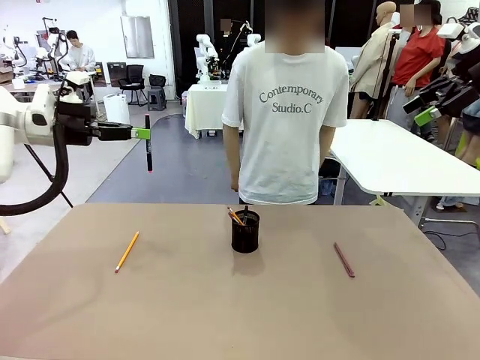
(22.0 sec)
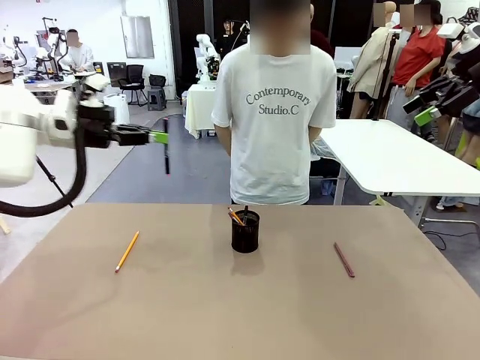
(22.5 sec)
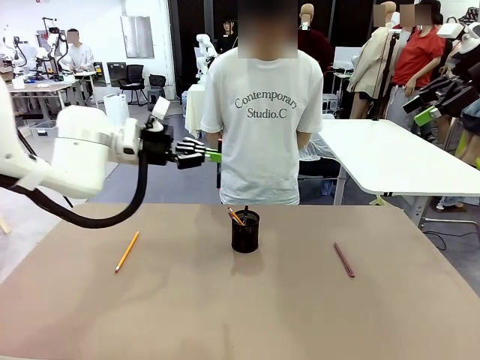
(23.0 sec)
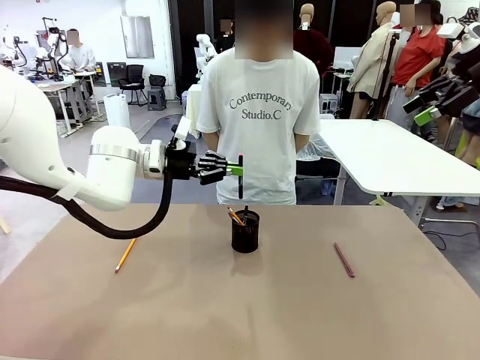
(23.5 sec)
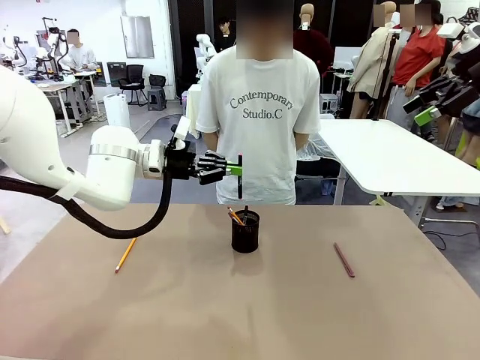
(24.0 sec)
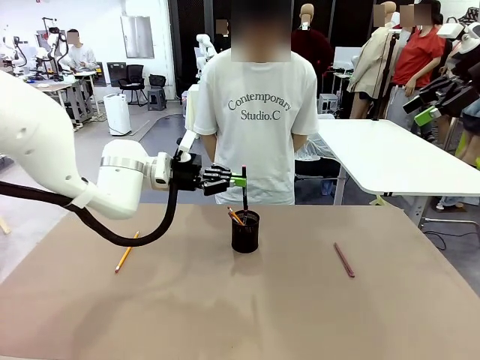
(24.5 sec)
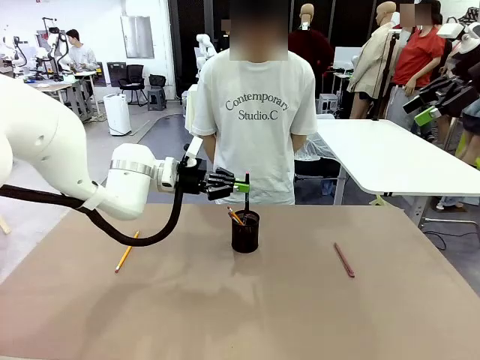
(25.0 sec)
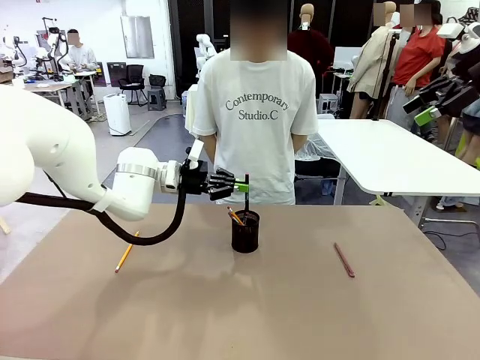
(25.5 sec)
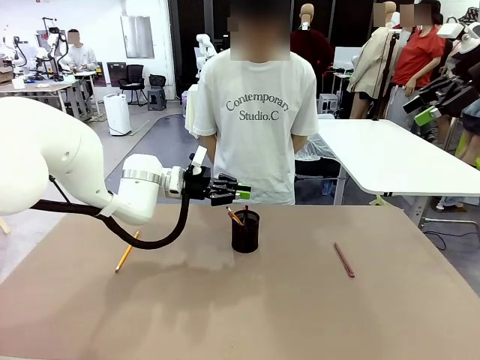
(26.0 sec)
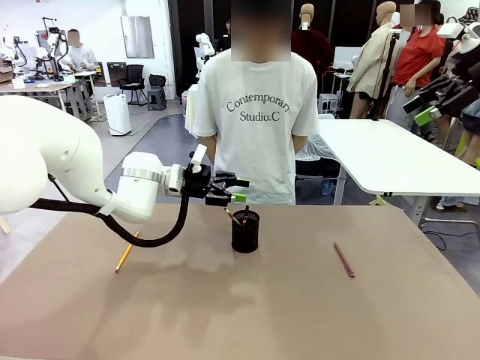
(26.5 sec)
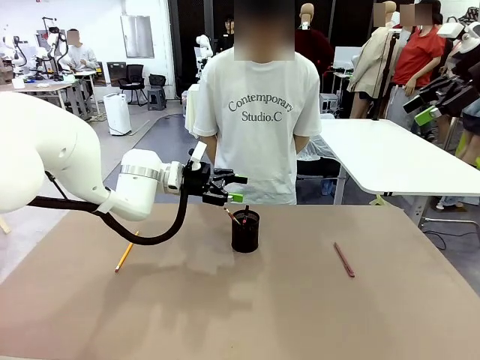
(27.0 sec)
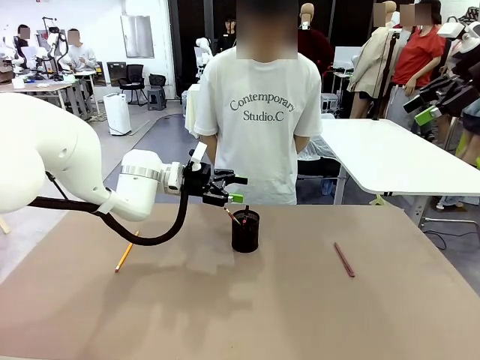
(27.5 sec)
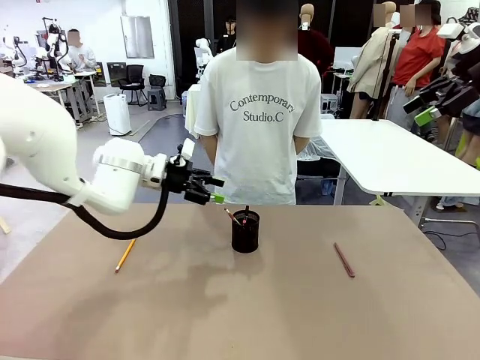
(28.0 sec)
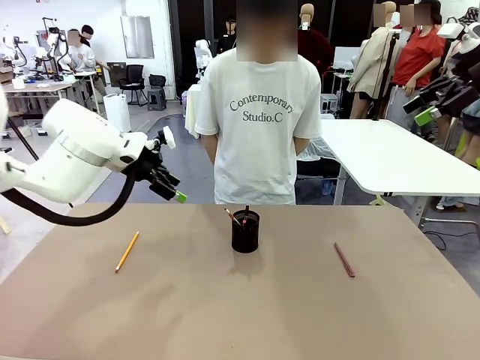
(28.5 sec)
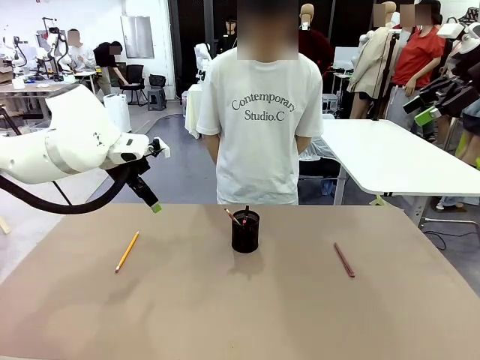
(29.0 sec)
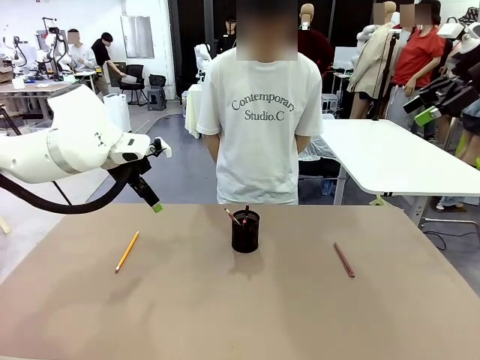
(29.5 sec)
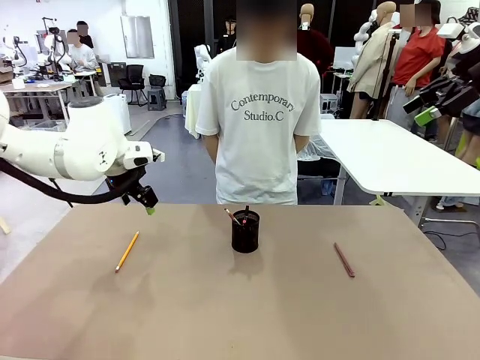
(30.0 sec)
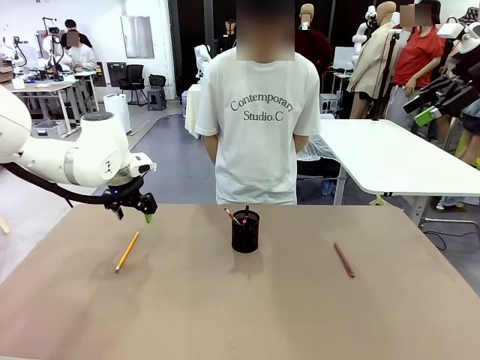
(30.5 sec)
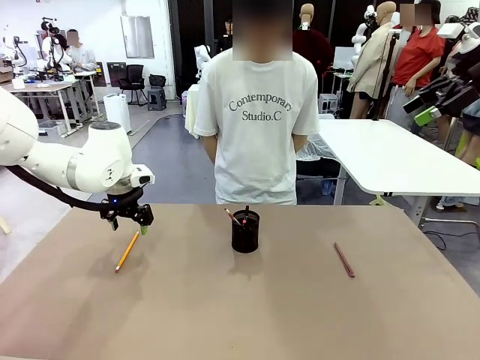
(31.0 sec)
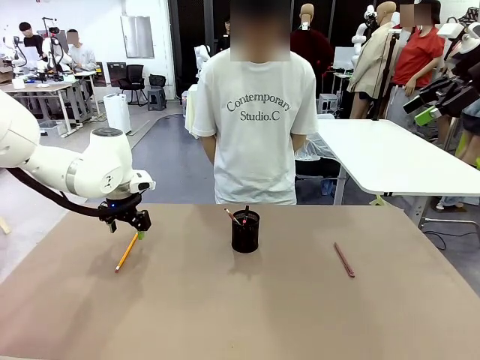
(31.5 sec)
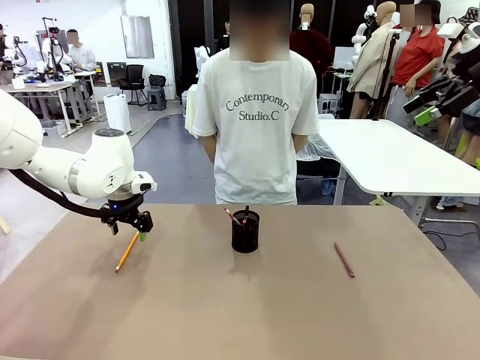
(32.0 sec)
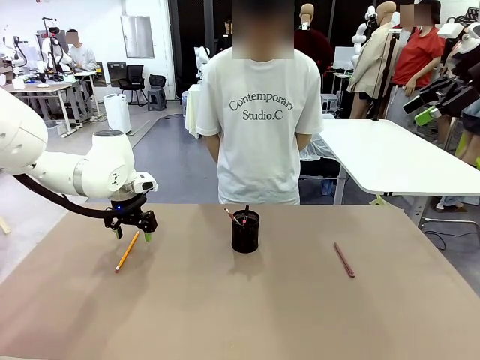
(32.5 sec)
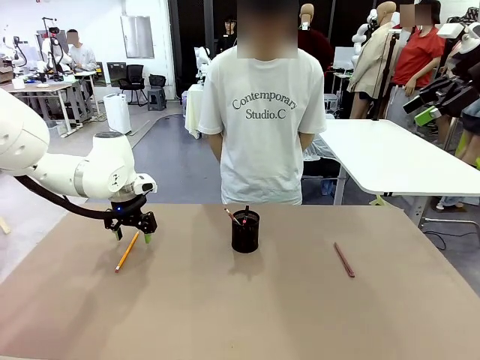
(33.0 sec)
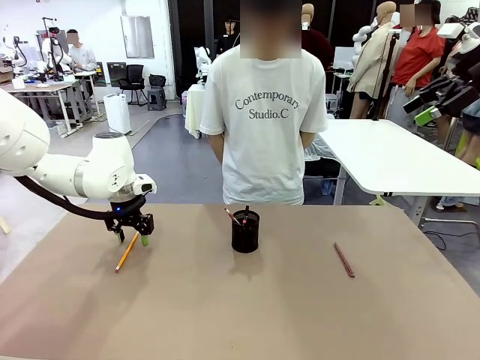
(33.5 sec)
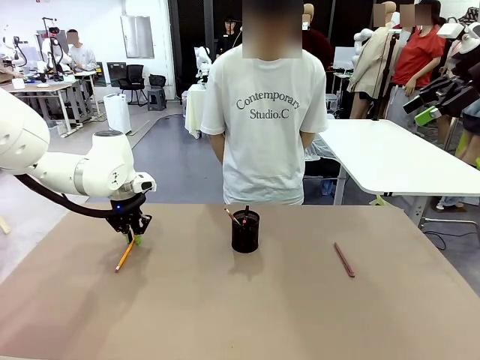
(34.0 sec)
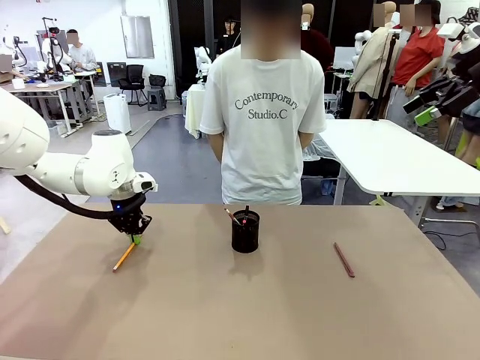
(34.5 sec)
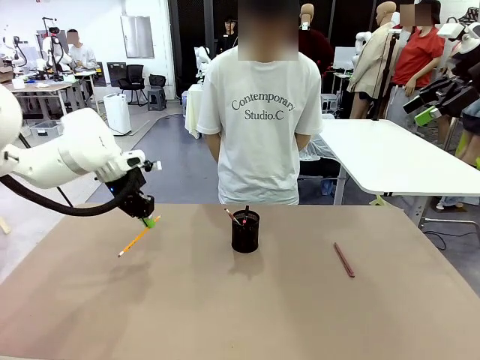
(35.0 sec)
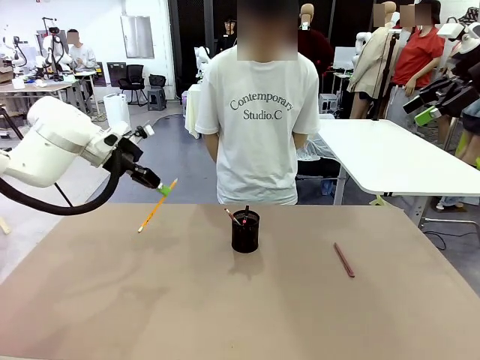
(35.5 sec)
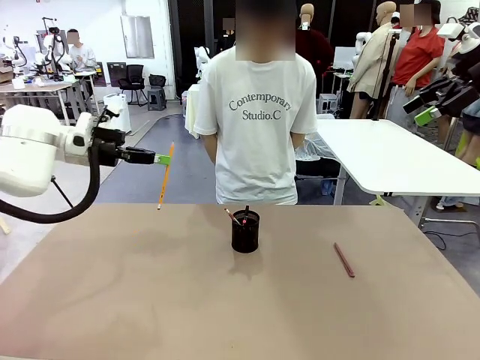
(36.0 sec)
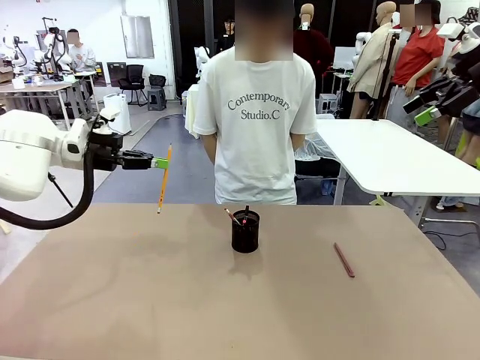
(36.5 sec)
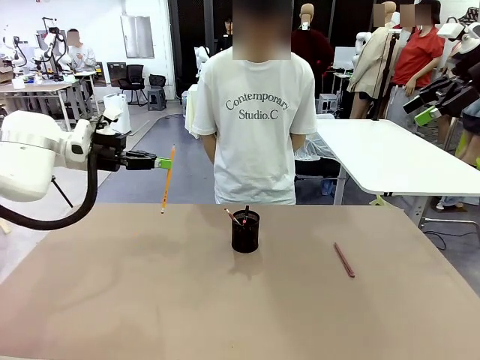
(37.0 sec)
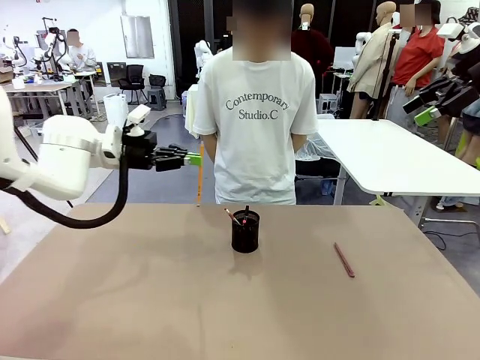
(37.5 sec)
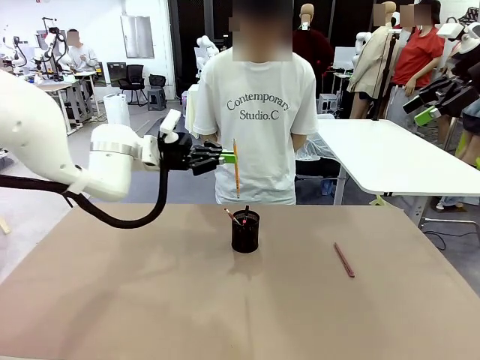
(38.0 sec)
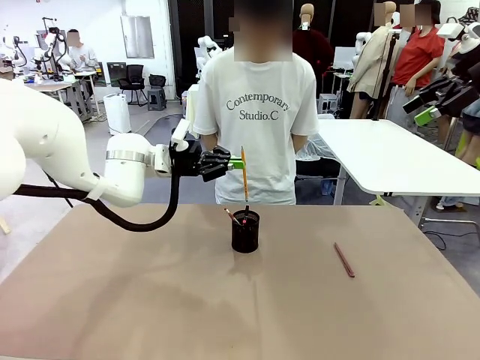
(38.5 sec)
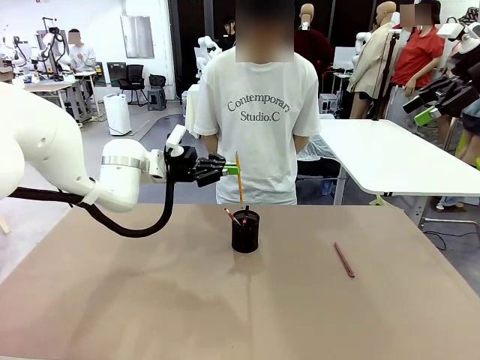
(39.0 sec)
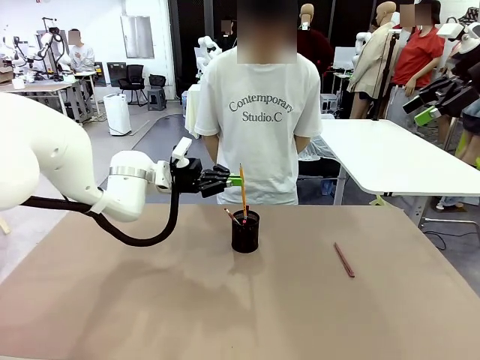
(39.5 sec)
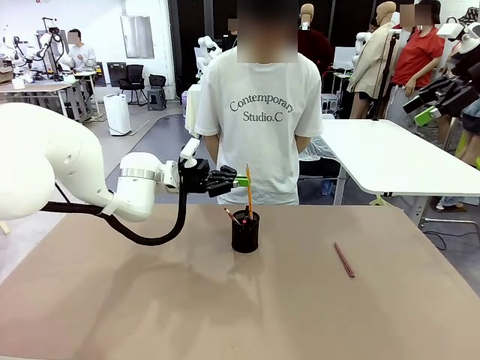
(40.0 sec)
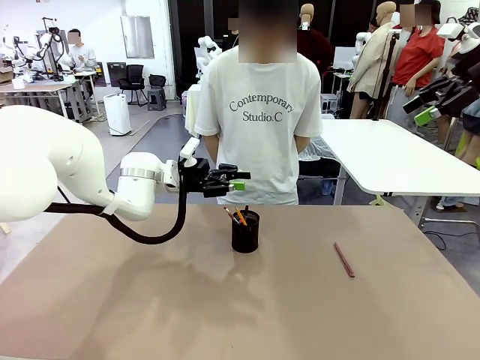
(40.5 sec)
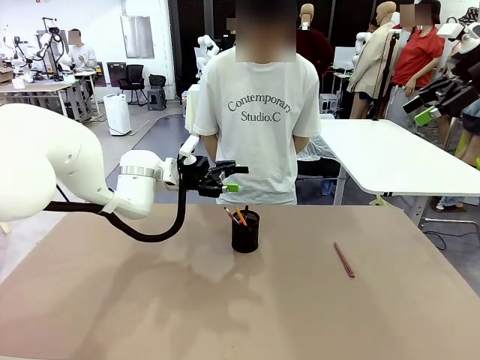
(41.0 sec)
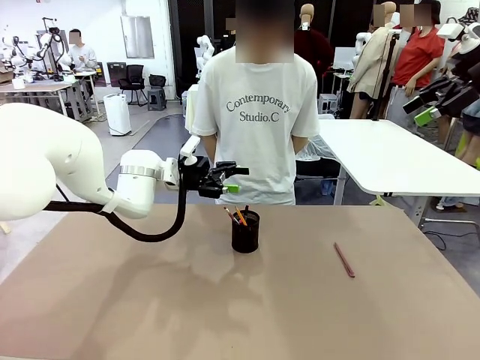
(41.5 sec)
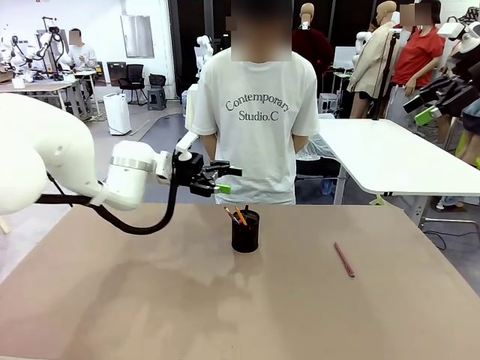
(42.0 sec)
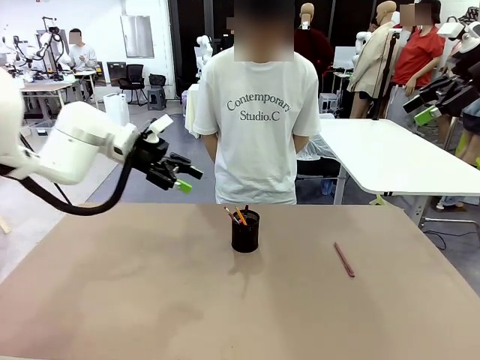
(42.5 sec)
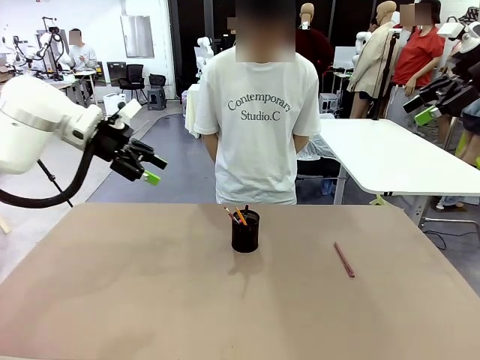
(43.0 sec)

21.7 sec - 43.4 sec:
Task: Place the pens into the pen holder.
Robot: Pick up a writing instrument from the table and place it into the Pen holder.

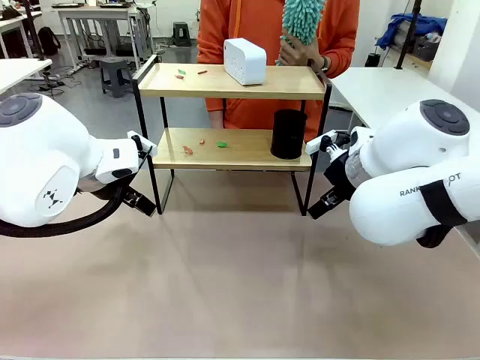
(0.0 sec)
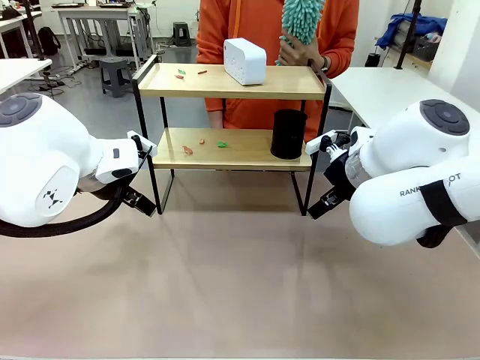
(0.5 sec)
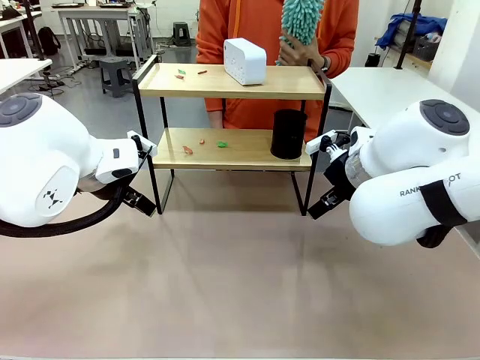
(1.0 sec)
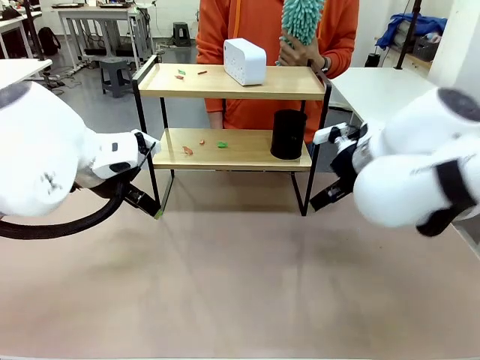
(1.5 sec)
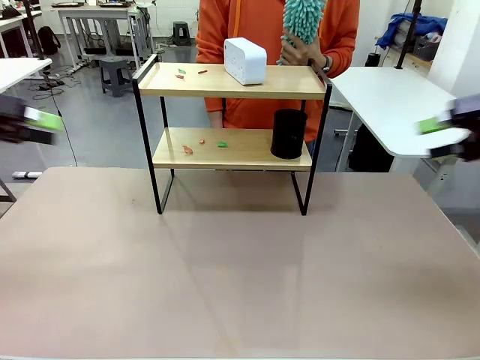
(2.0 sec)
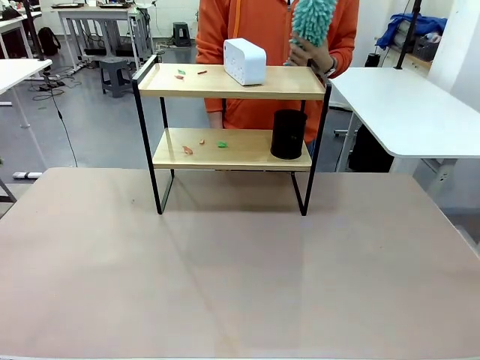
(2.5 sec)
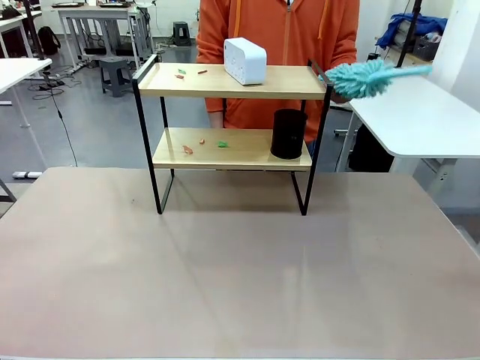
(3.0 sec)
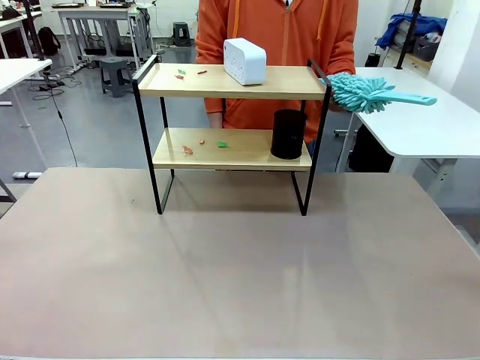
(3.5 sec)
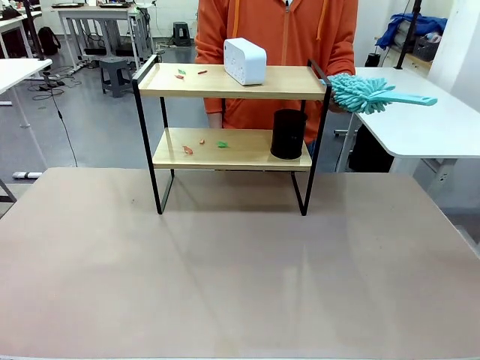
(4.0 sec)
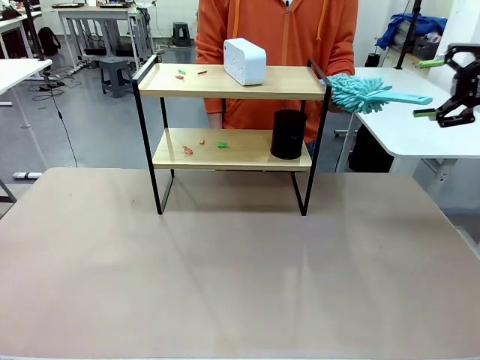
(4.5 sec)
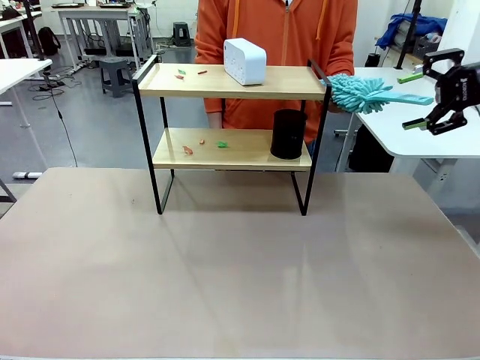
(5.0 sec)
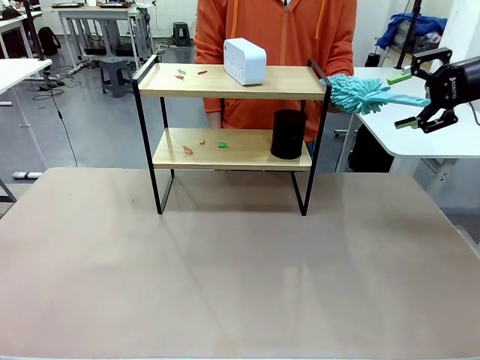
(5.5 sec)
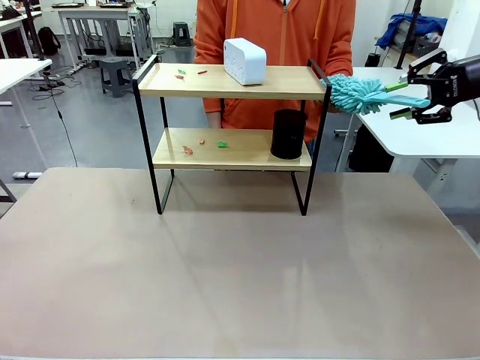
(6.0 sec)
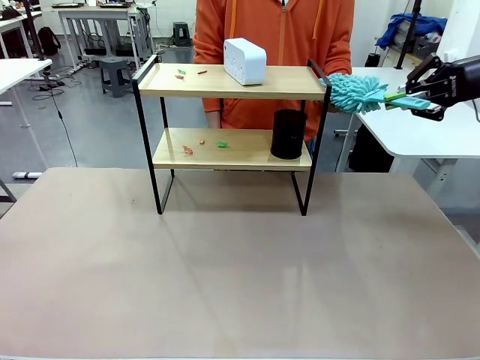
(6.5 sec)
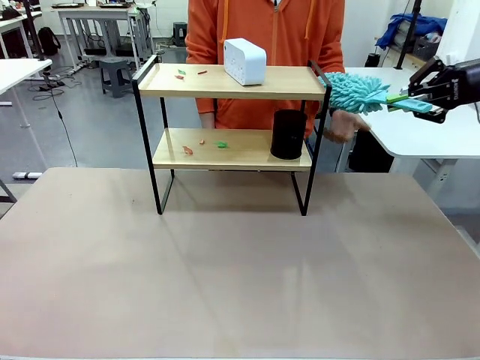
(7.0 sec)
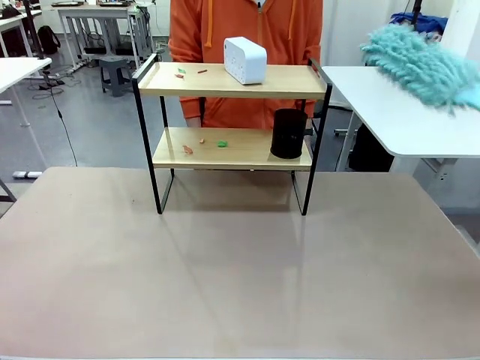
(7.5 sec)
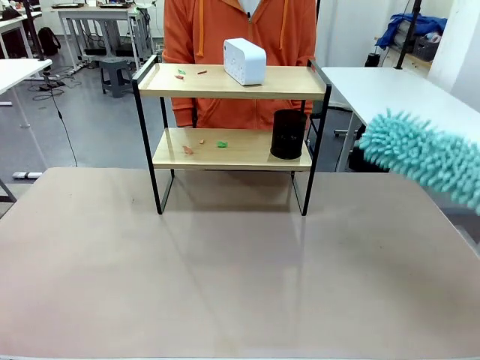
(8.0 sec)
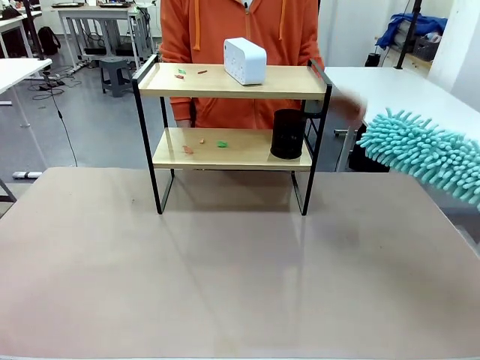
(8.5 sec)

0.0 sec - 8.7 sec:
Task: Clean the shelf.
Robot: Pick up the Duster from the human.
Person: Hand the Duster to the robot.
